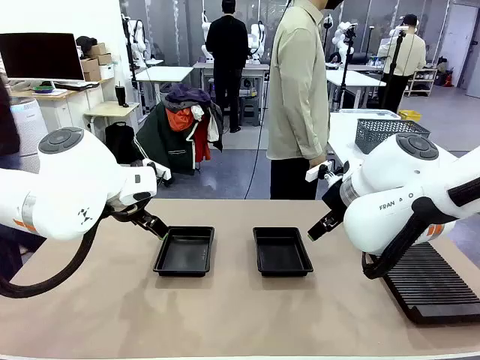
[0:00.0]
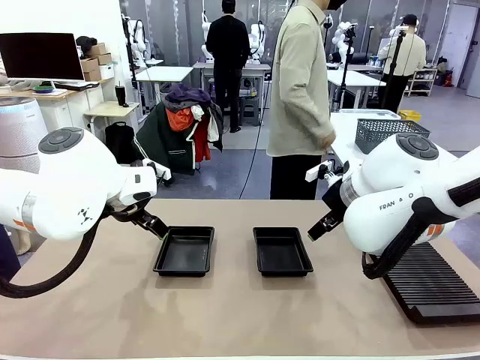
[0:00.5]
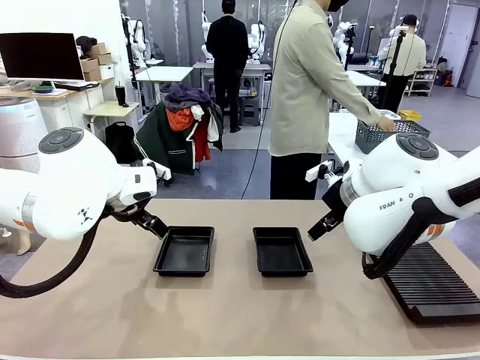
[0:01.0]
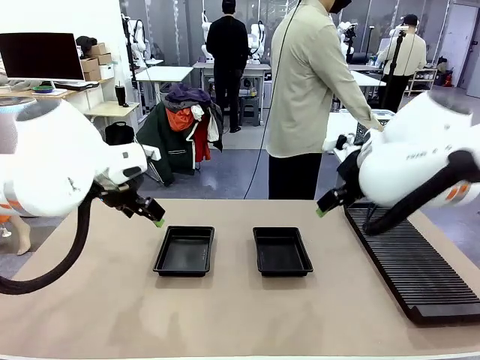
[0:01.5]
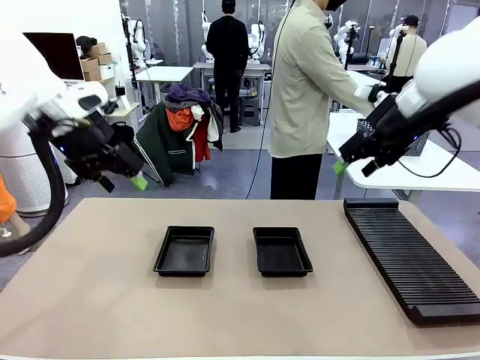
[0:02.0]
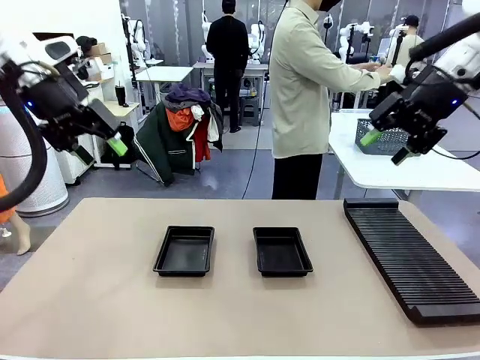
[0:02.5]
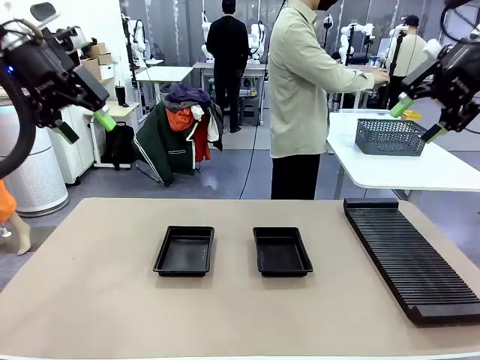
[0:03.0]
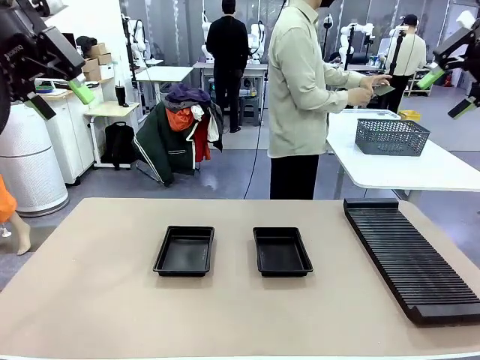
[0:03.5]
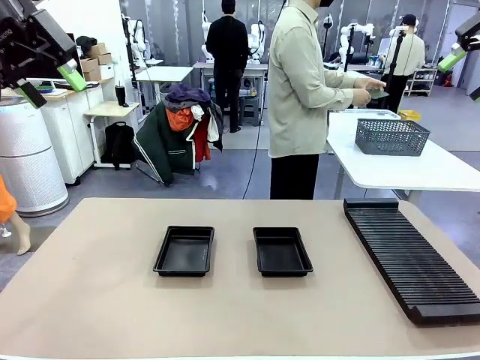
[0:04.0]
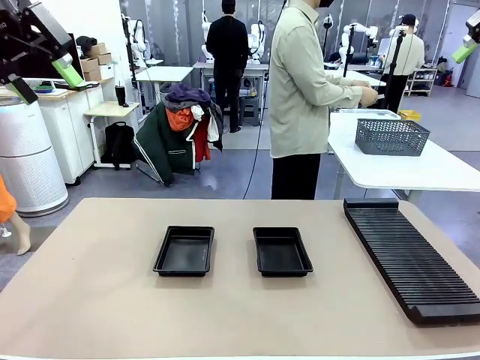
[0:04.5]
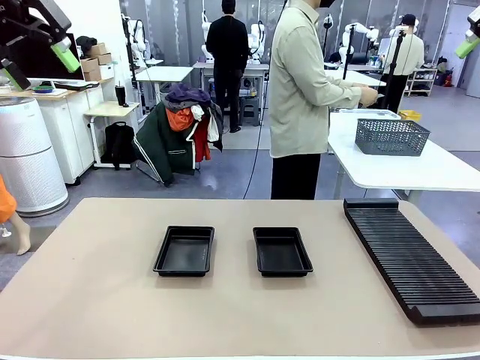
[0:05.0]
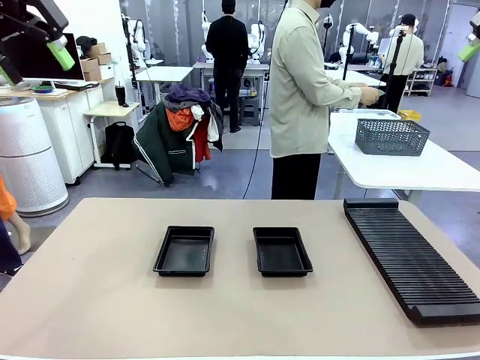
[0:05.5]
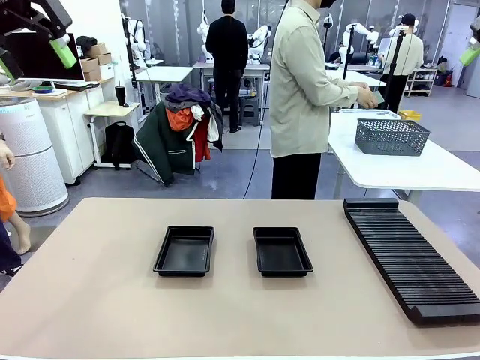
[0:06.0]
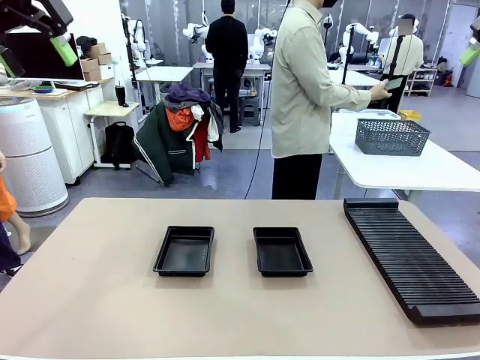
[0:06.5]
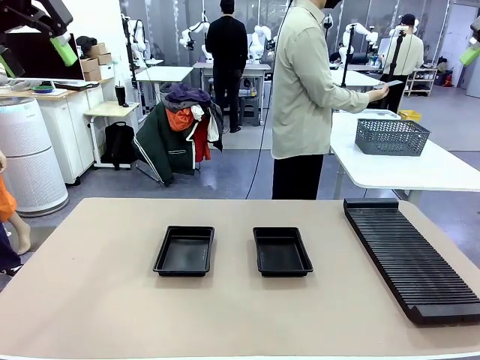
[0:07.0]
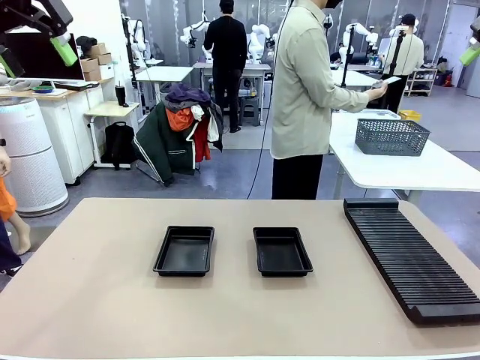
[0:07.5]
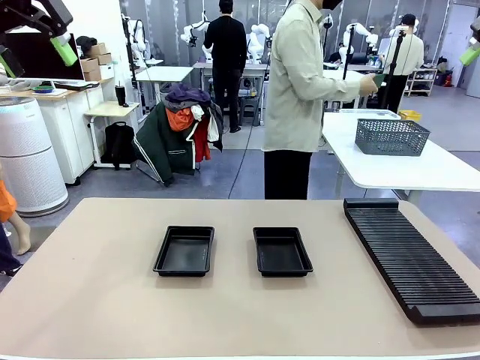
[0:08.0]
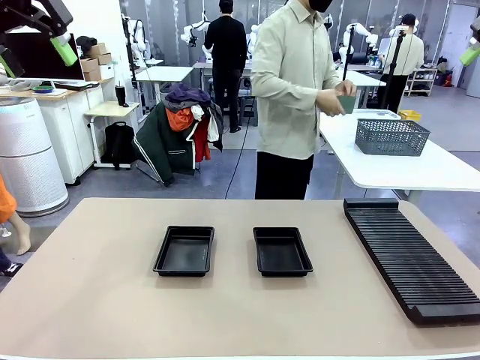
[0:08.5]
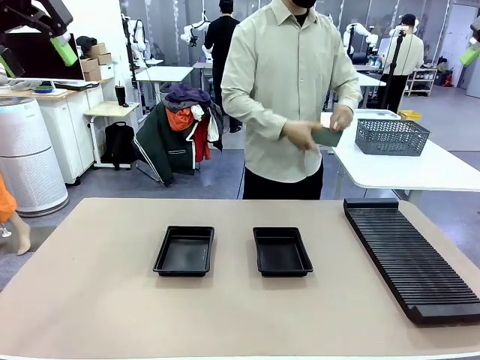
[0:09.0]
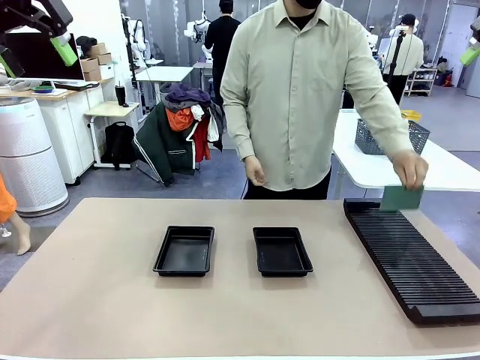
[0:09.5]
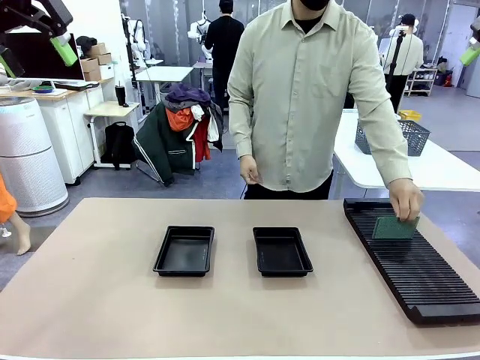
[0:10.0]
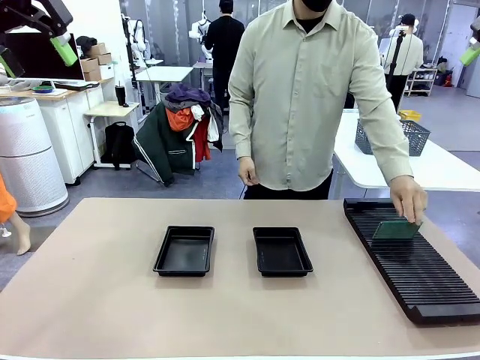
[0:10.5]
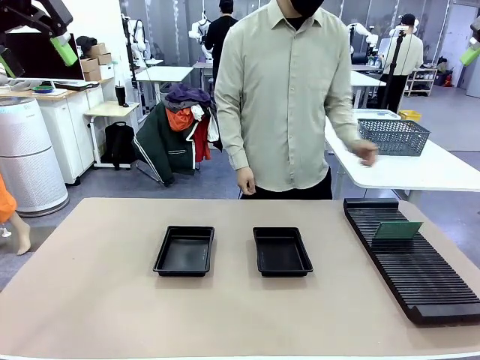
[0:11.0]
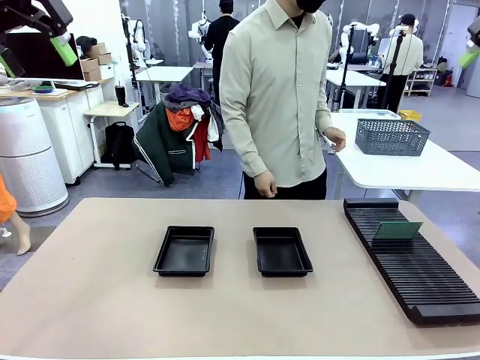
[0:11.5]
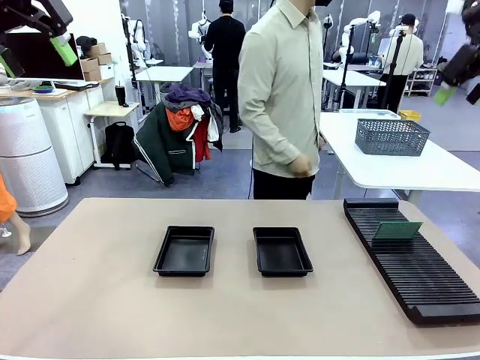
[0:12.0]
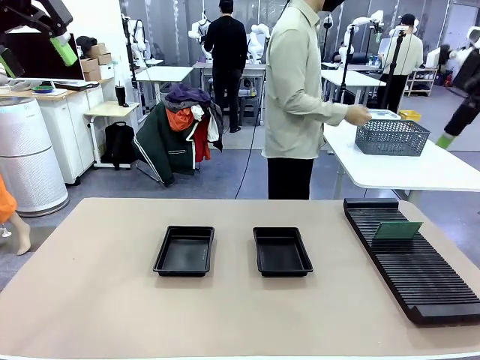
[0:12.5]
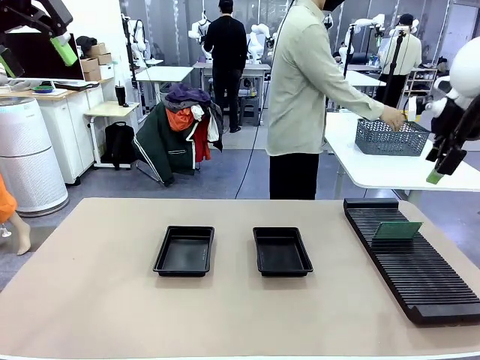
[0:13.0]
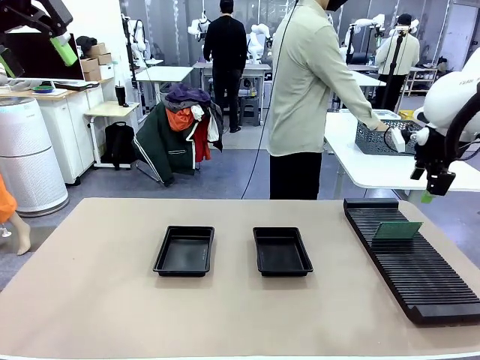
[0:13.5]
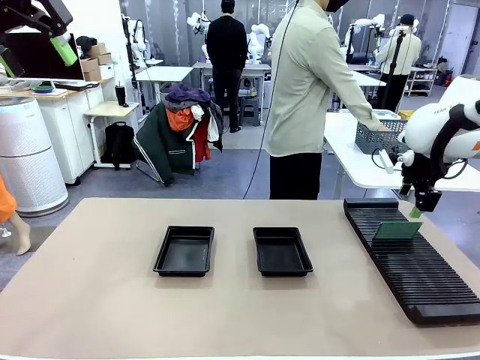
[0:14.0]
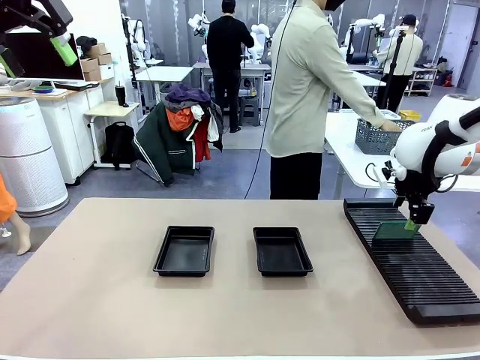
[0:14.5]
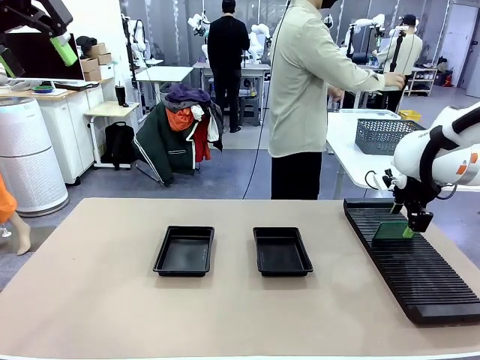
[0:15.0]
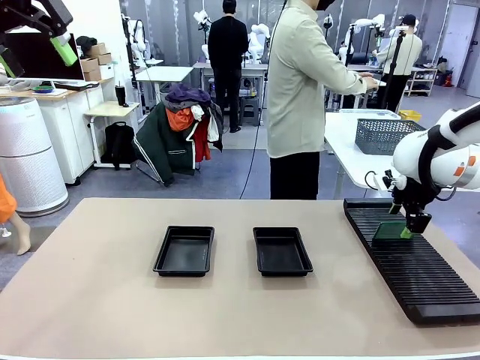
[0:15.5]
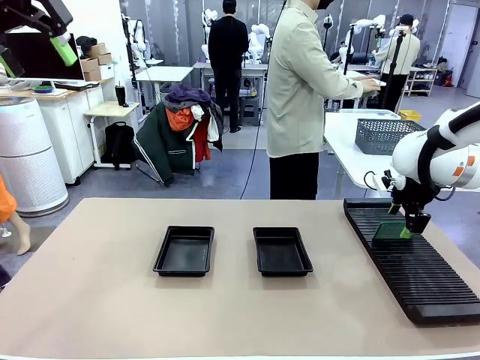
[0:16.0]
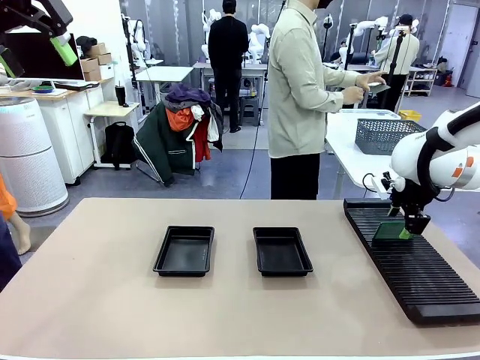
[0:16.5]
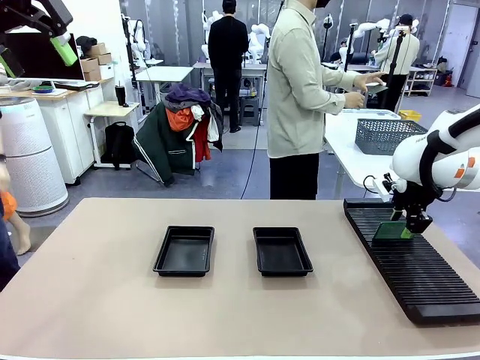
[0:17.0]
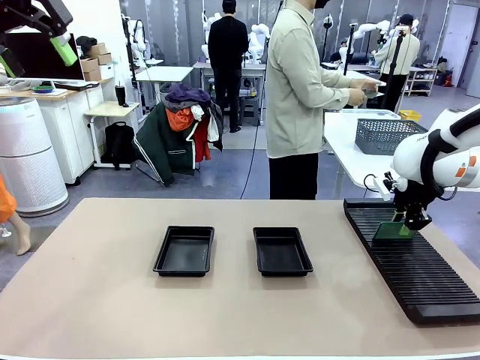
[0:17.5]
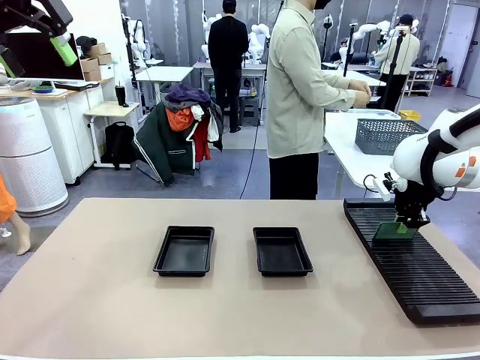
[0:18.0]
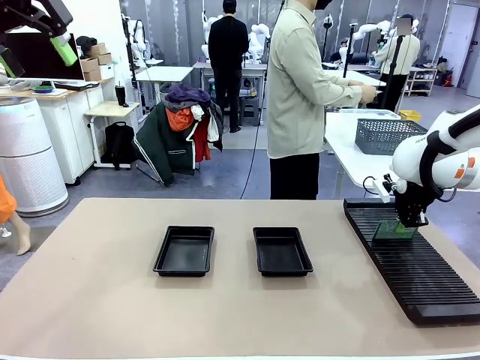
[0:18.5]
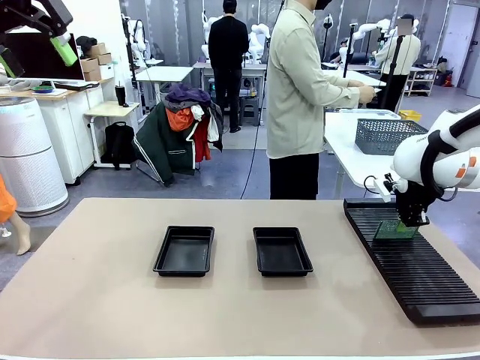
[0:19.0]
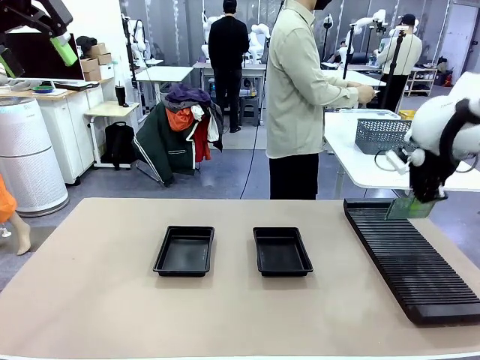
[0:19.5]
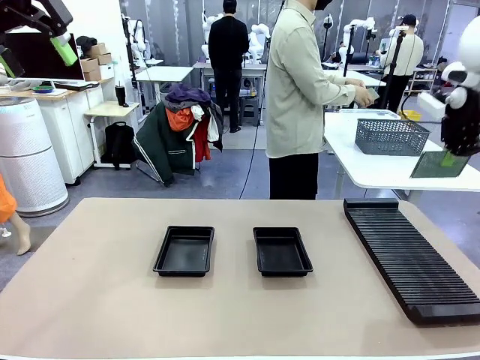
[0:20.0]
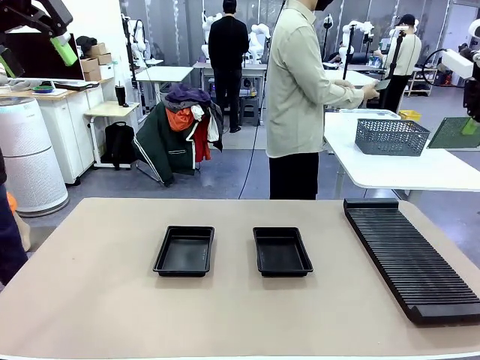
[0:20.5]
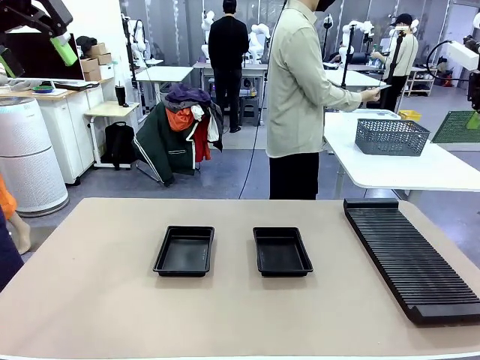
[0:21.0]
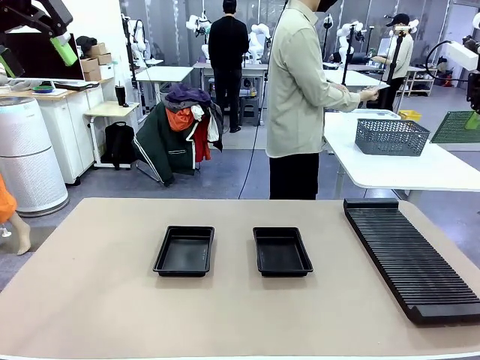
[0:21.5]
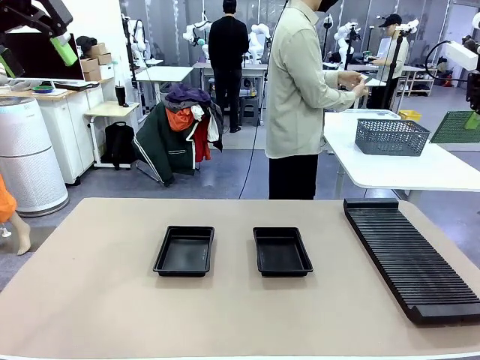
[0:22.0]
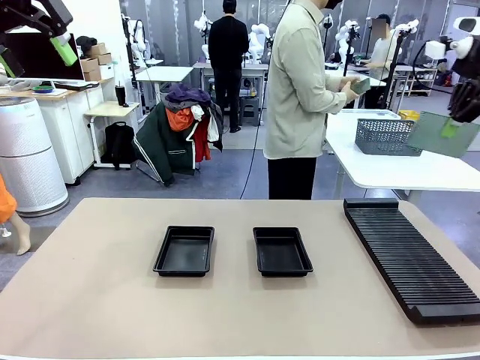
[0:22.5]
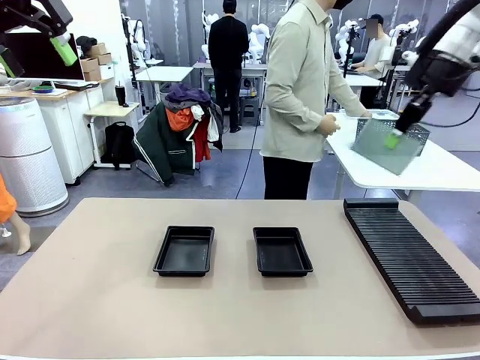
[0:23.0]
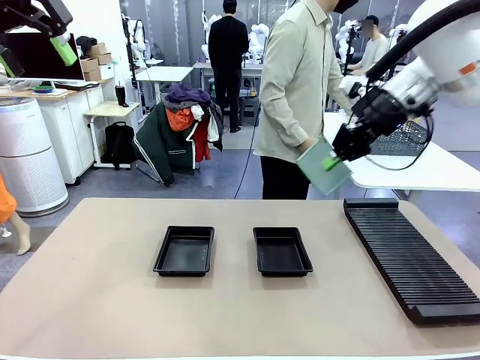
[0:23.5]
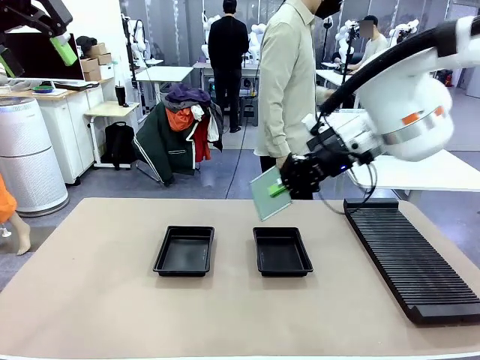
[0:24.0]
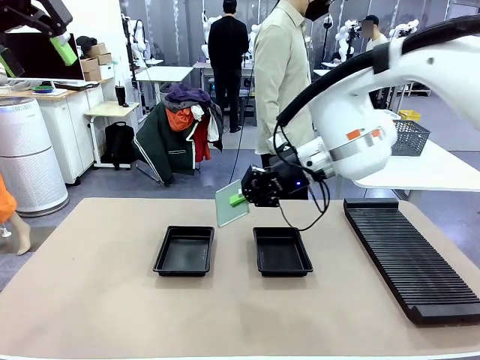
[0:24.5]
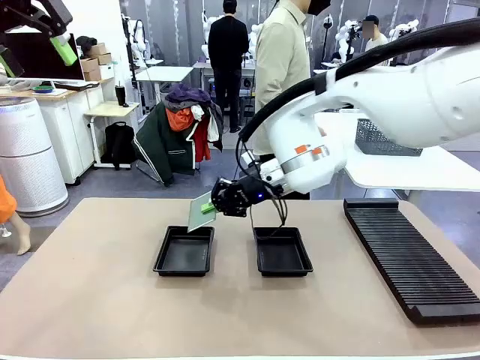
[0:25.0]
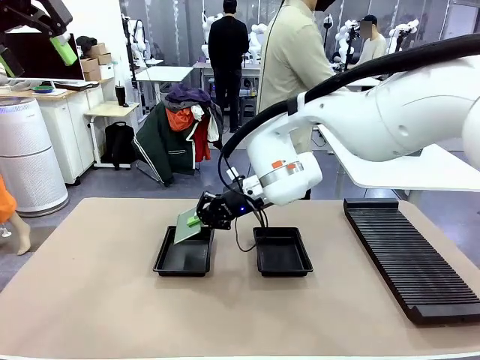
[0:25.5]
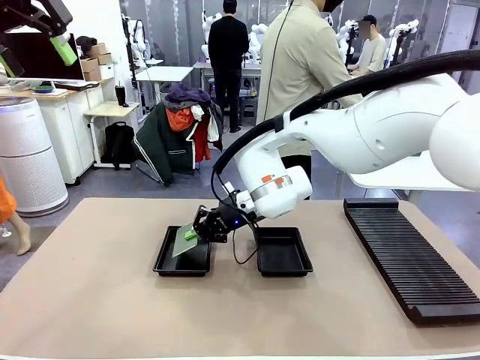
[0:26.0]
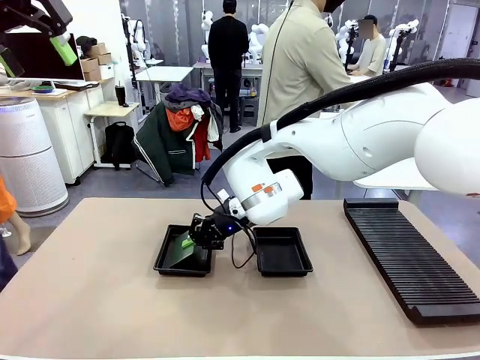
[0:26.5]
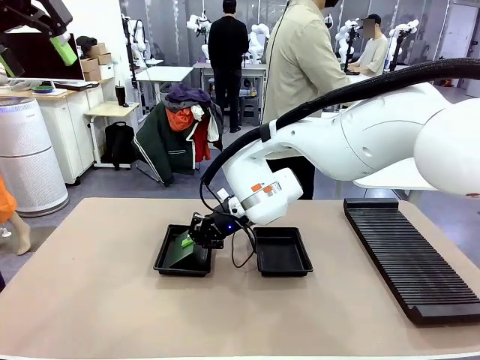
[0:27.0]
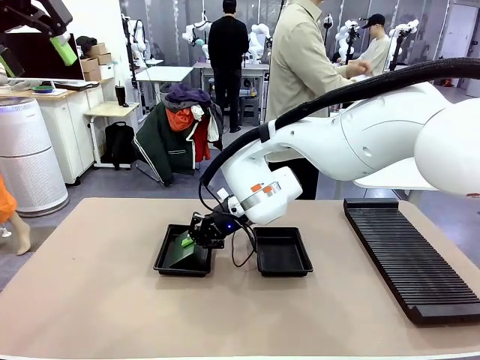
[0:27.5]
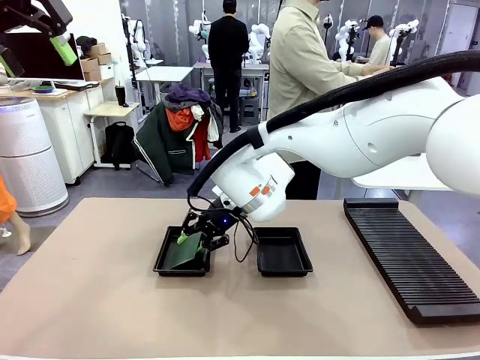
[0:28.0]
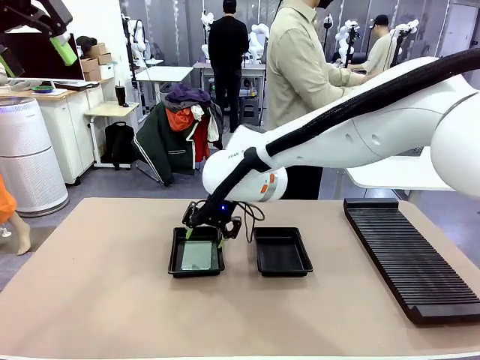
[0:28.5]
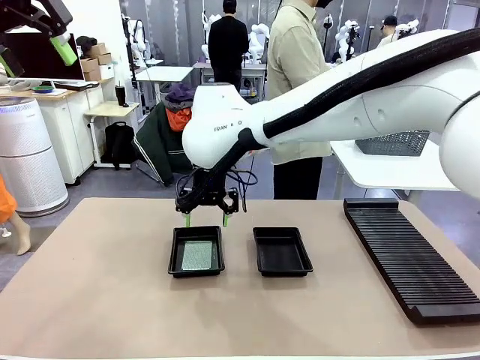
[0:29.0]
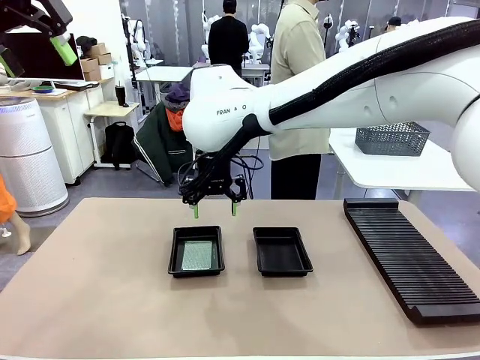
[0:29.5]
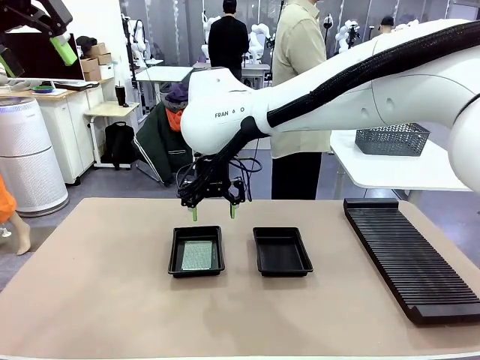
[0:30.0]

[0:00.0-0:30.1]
Task: Inspect and transfer BCBs to ESD trays.
Robot: Pick up the Blank PCB from the PCB Rack and place it in the left ESD tray.
